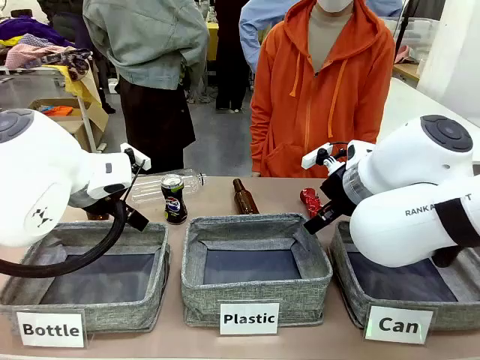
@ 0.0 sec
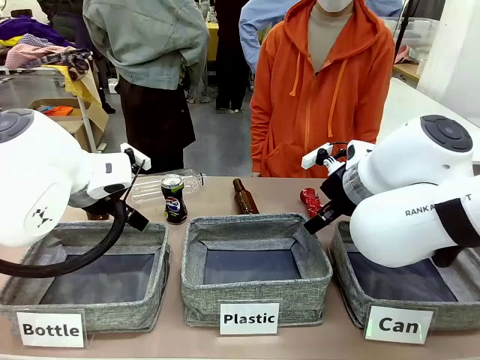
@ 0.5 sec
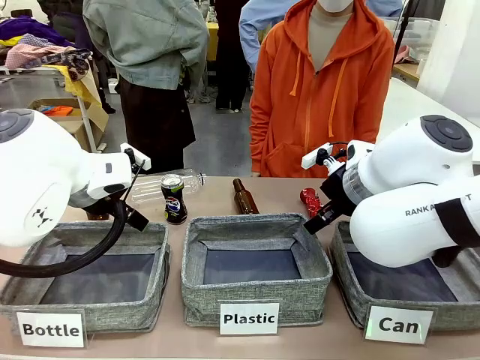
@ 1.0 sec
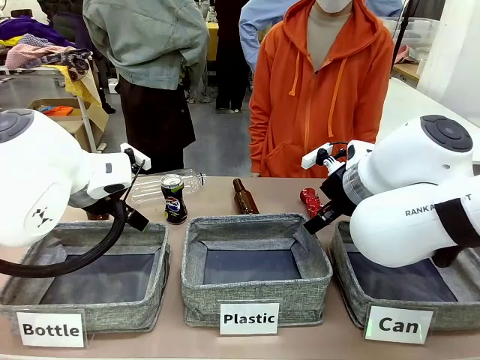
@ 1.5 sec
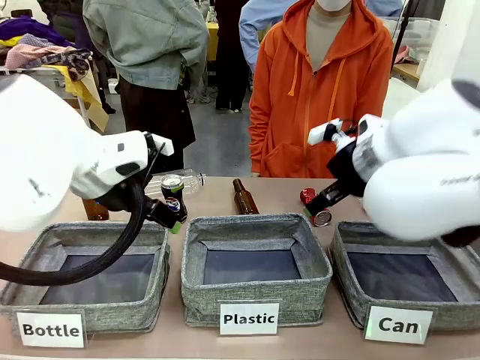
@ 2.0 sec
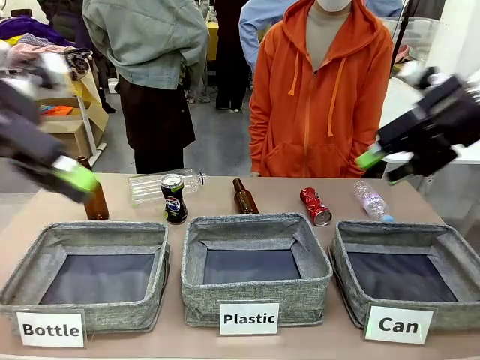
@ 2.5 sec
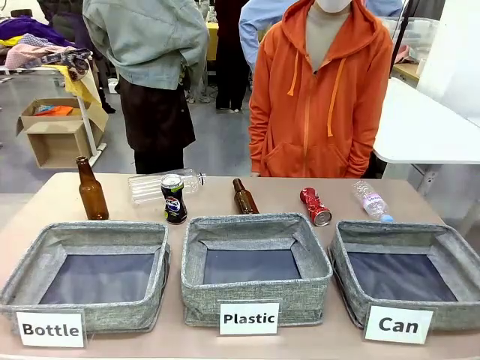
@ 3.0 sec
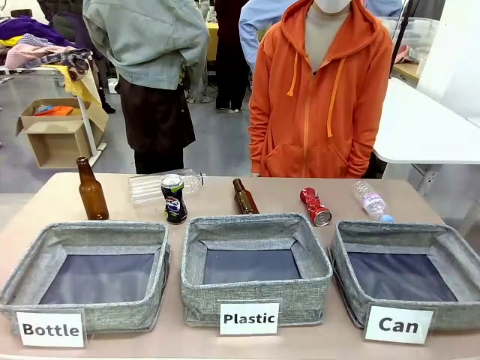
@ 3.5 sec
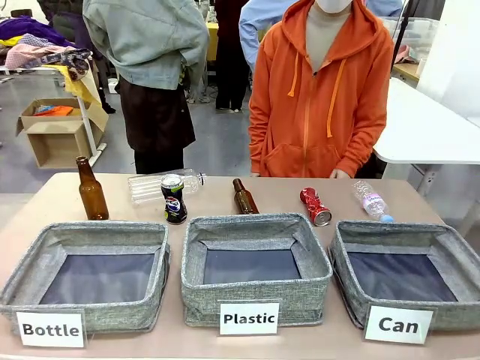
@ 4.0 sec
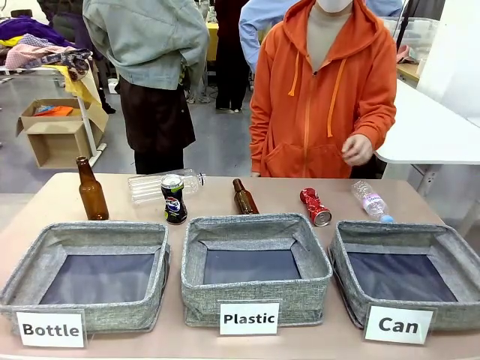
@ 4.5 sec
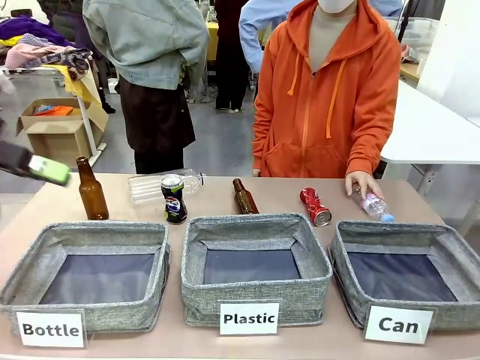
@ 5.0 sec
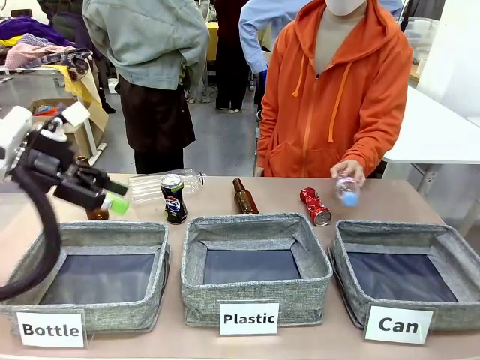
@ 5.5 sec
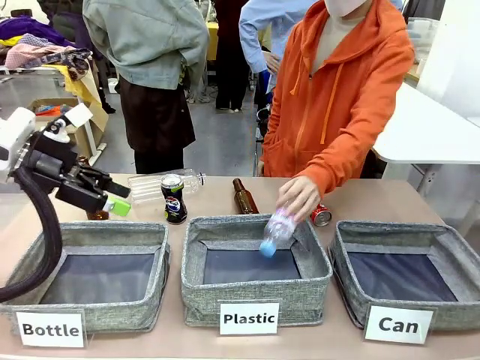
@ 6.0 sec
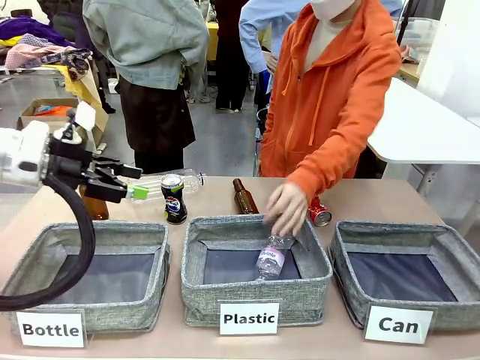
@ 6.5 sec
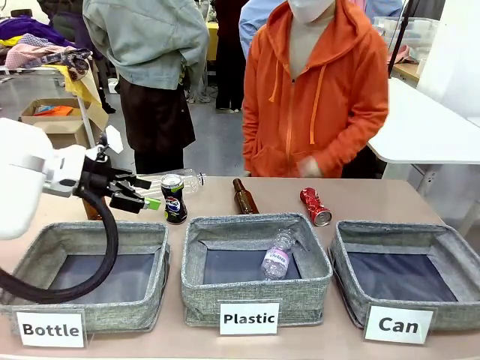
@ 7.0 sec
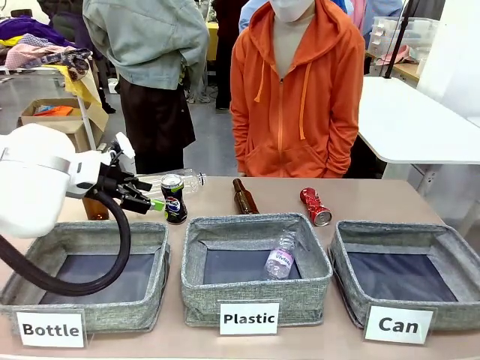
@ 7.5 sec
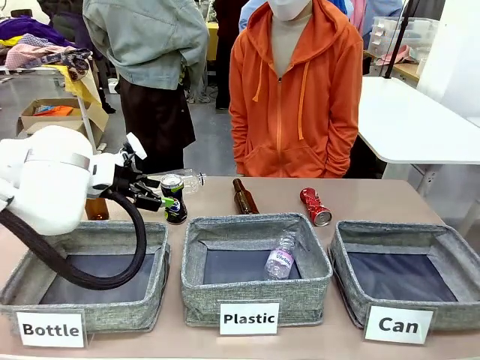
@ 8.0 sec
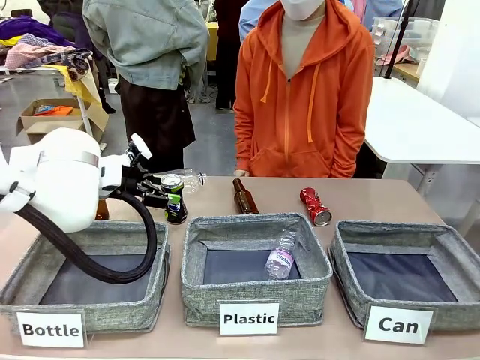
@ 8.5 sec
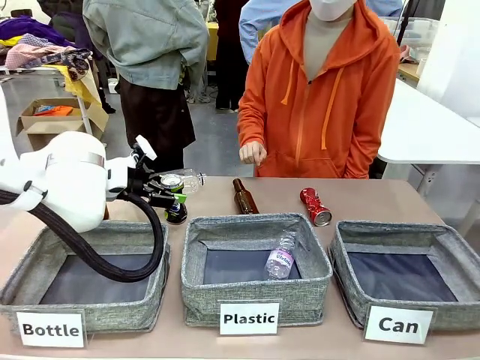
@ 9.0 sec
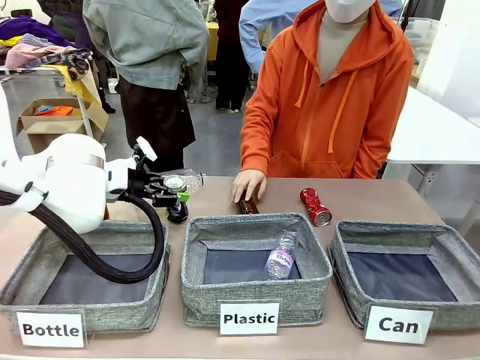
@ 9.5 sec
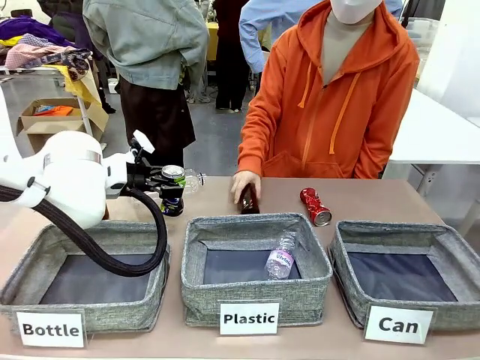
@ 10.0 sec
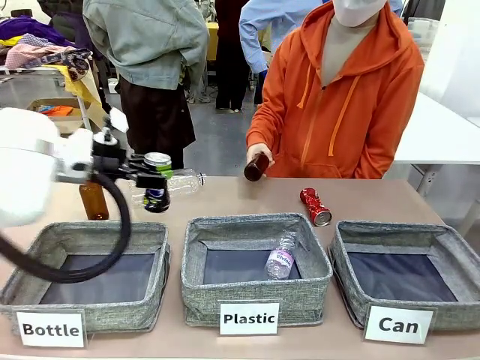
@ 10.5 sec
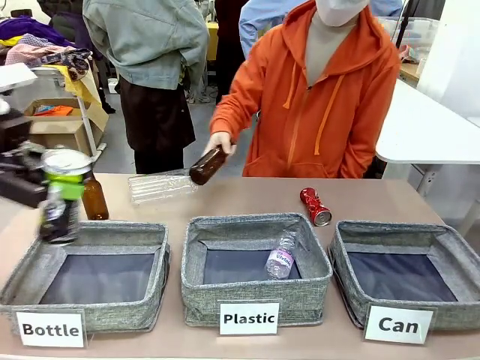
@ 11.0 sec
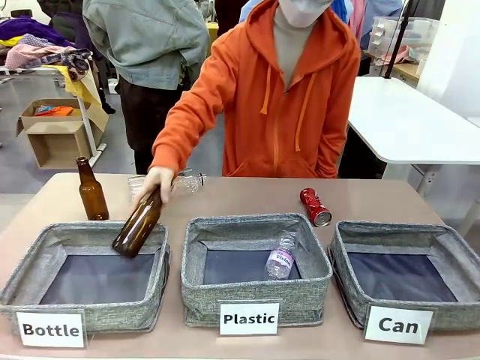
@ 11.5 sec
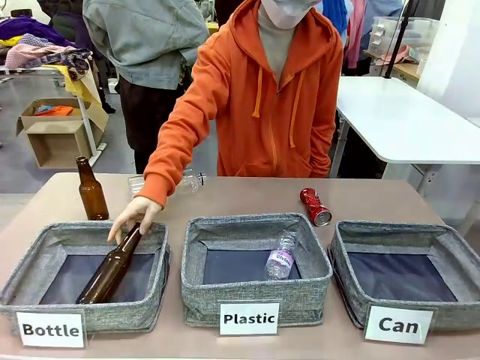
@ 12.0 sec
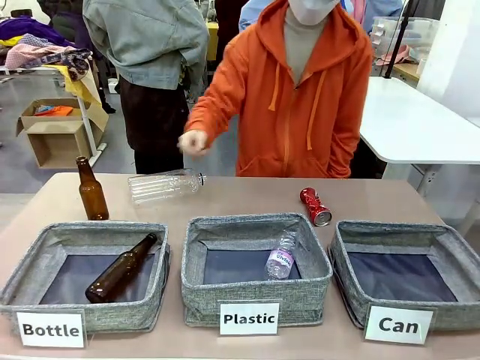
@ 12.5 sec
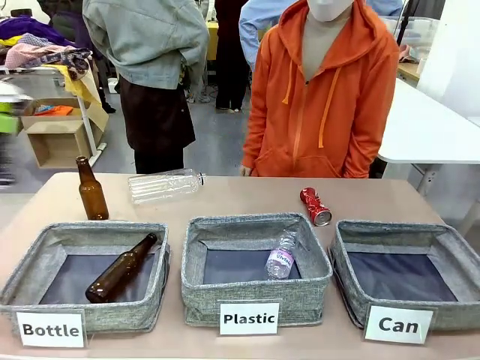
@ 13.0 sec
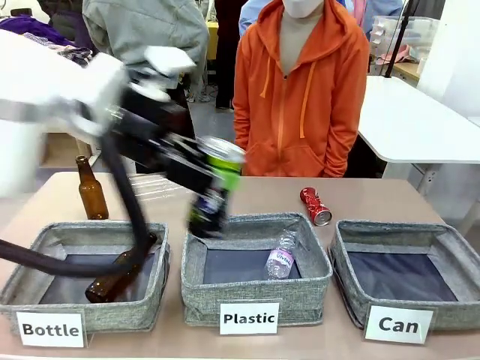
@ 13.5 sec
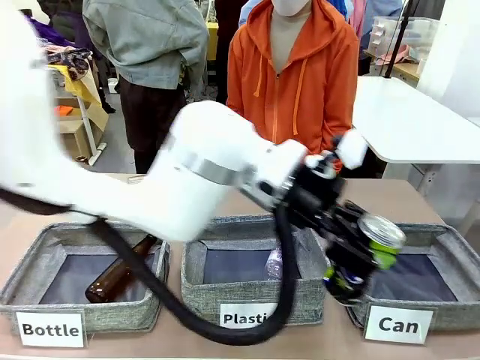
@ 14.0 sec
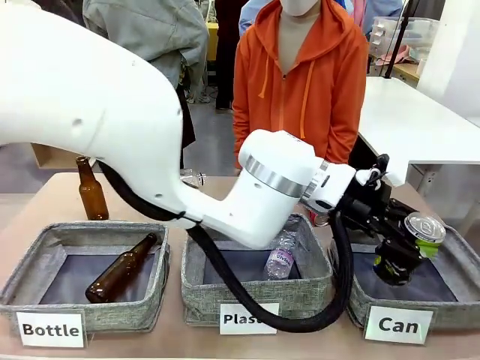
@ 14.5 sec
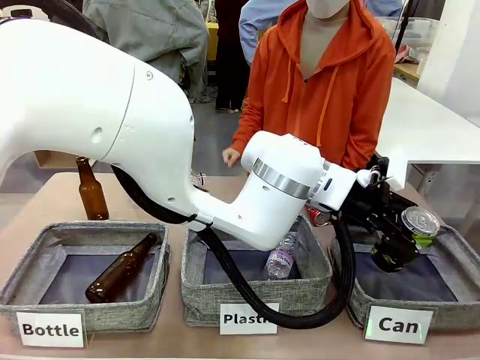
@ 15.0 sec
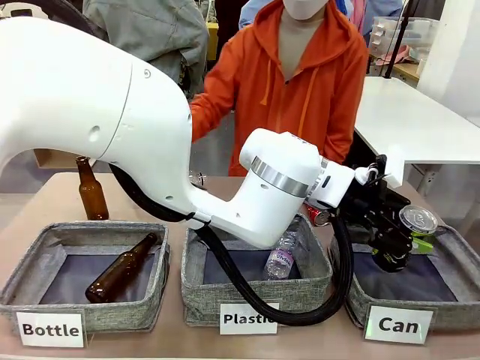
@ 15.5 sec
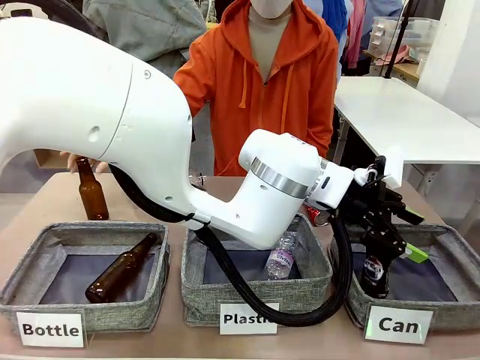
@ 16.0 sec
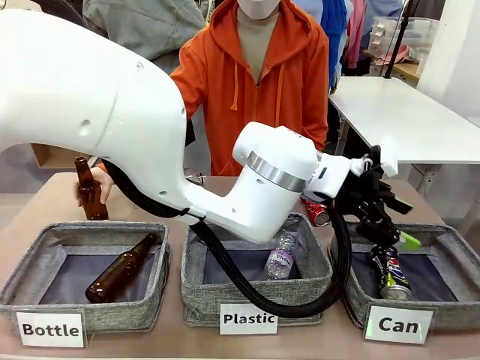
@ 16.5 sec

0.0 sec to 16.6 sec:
Task: Sort the can waste into the basket.
Robot: Pick up the can waste from the table and place it in the right Fabric basket.
